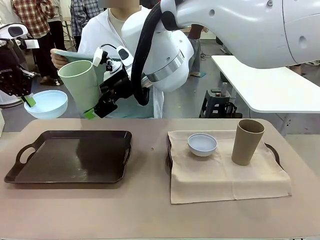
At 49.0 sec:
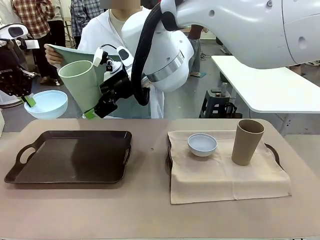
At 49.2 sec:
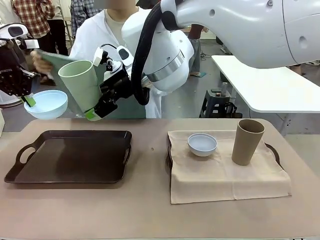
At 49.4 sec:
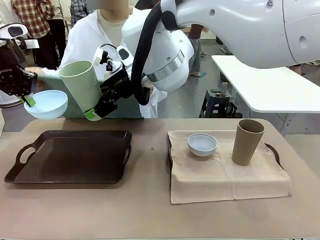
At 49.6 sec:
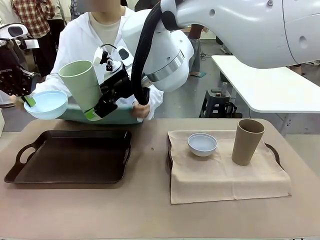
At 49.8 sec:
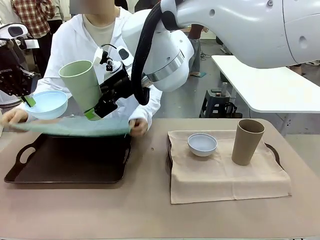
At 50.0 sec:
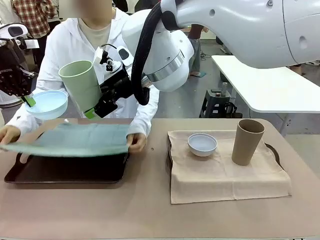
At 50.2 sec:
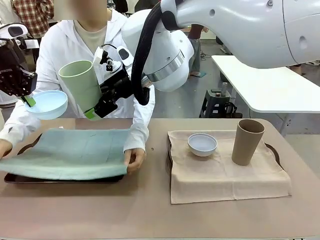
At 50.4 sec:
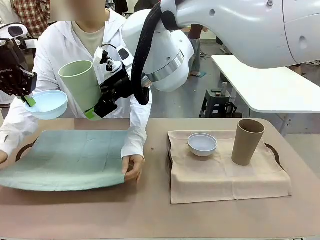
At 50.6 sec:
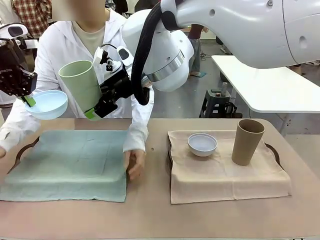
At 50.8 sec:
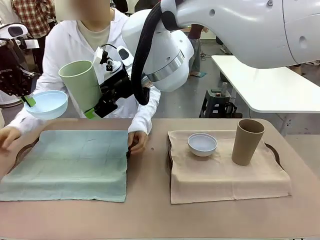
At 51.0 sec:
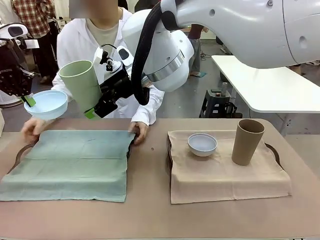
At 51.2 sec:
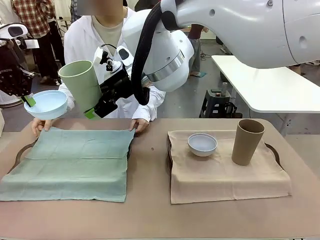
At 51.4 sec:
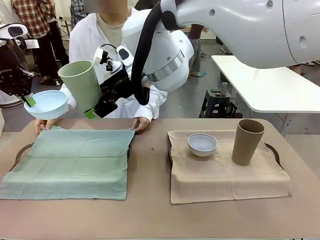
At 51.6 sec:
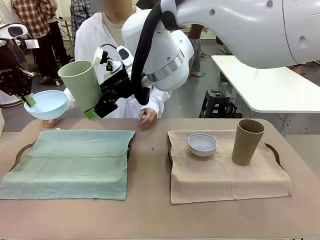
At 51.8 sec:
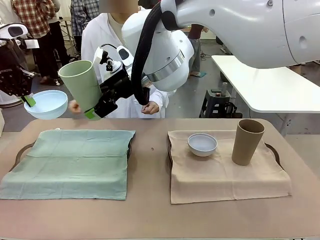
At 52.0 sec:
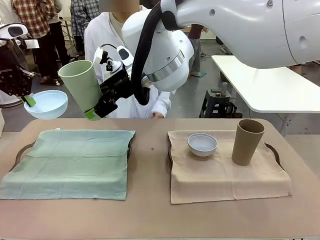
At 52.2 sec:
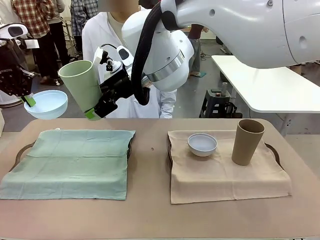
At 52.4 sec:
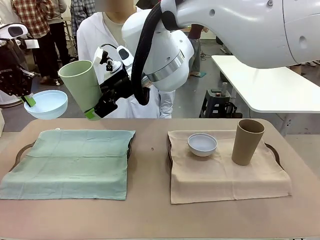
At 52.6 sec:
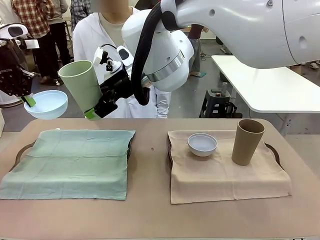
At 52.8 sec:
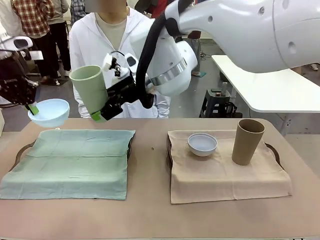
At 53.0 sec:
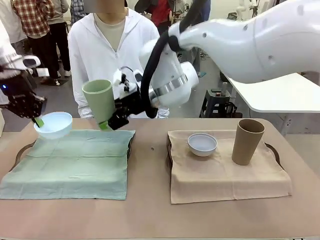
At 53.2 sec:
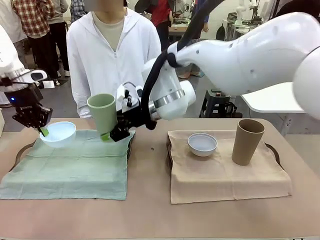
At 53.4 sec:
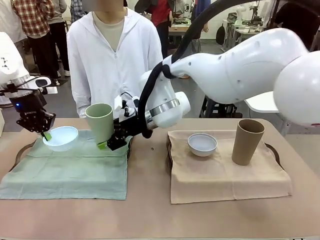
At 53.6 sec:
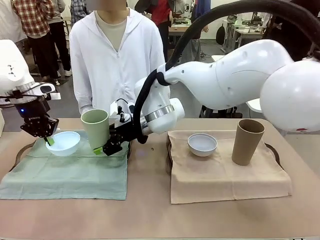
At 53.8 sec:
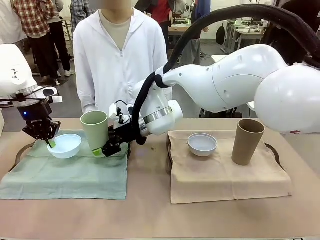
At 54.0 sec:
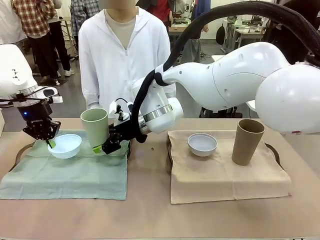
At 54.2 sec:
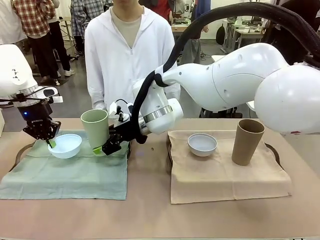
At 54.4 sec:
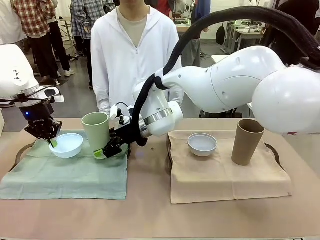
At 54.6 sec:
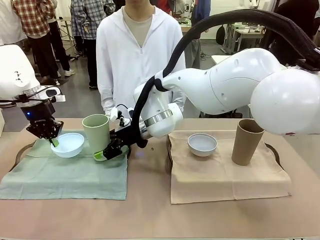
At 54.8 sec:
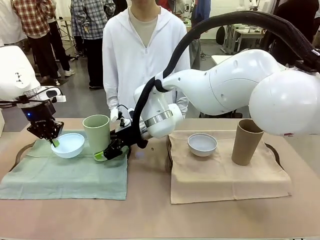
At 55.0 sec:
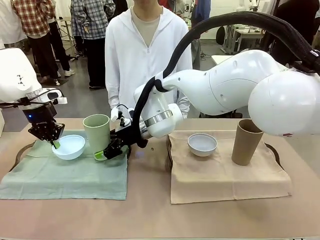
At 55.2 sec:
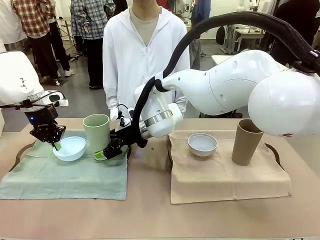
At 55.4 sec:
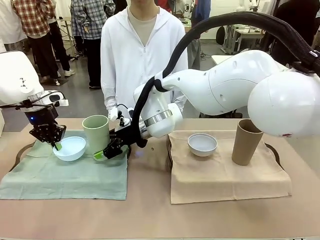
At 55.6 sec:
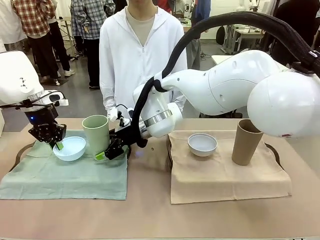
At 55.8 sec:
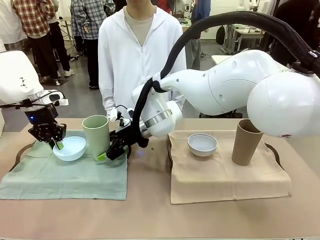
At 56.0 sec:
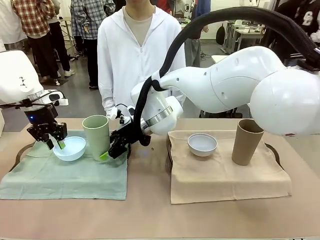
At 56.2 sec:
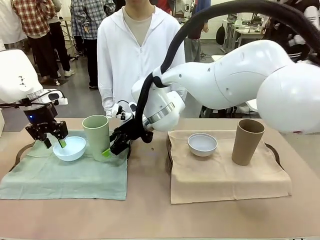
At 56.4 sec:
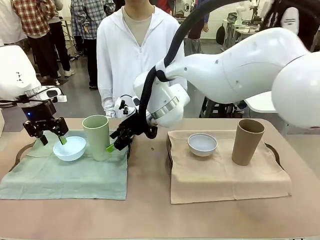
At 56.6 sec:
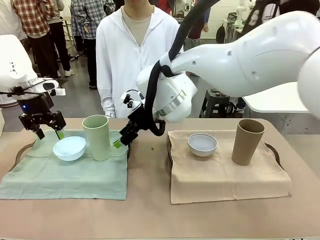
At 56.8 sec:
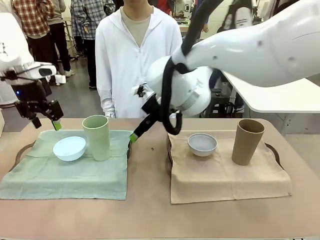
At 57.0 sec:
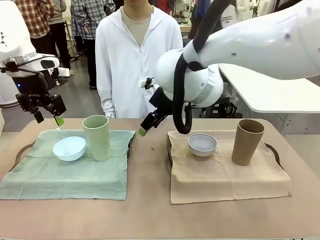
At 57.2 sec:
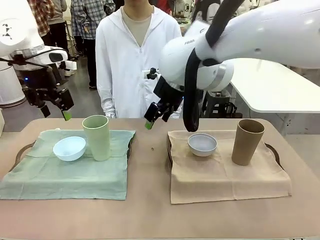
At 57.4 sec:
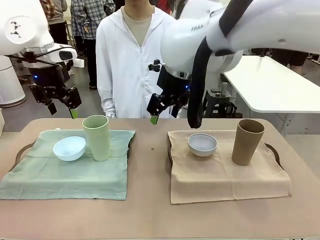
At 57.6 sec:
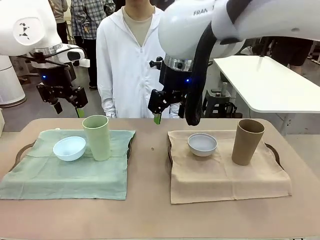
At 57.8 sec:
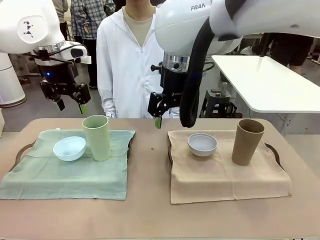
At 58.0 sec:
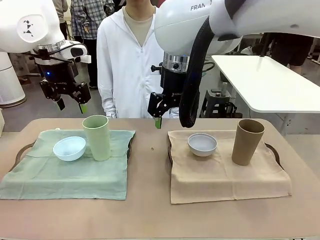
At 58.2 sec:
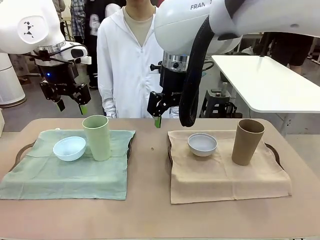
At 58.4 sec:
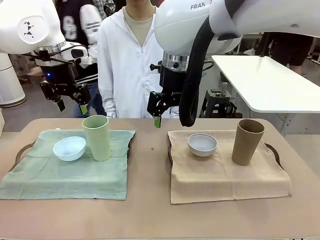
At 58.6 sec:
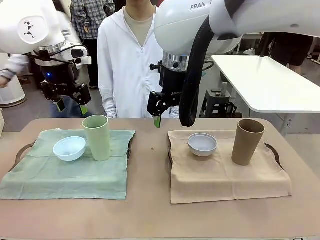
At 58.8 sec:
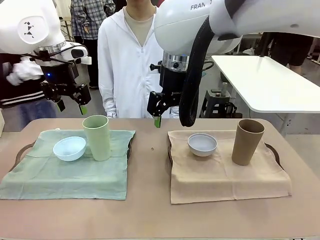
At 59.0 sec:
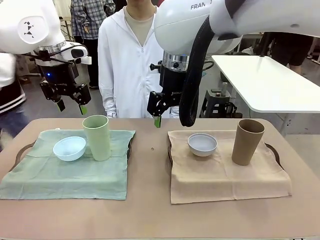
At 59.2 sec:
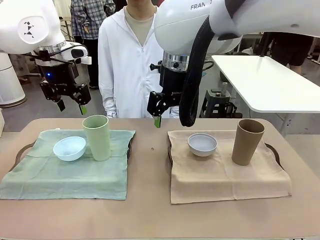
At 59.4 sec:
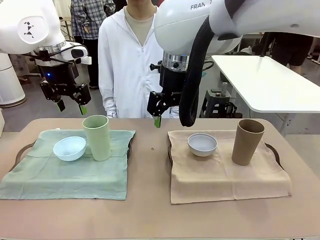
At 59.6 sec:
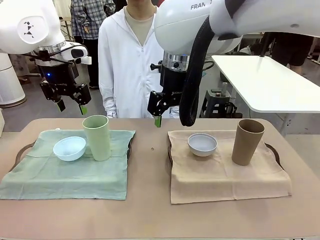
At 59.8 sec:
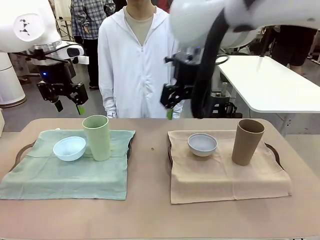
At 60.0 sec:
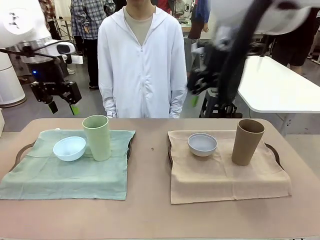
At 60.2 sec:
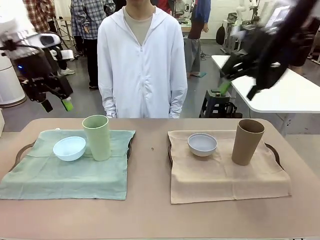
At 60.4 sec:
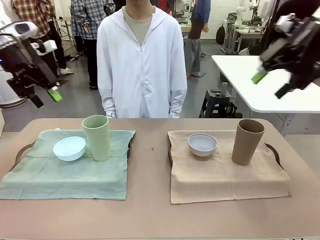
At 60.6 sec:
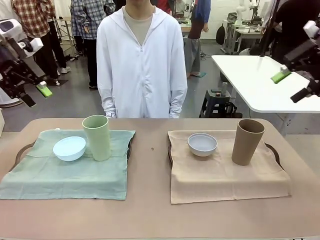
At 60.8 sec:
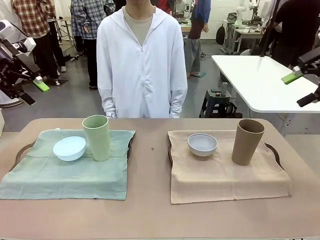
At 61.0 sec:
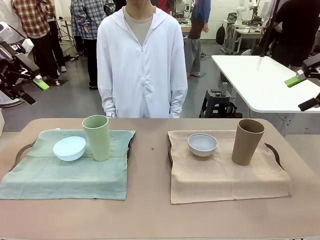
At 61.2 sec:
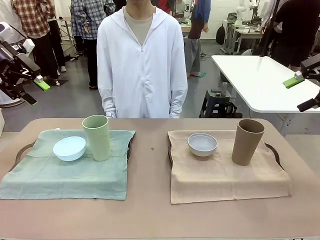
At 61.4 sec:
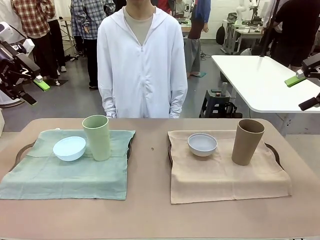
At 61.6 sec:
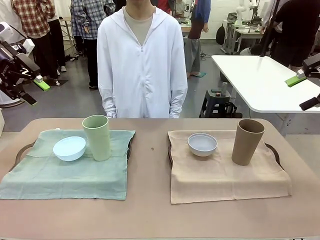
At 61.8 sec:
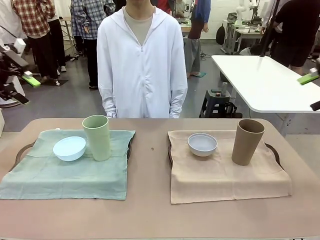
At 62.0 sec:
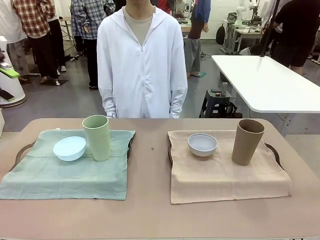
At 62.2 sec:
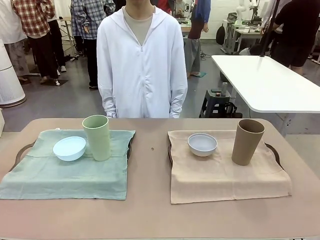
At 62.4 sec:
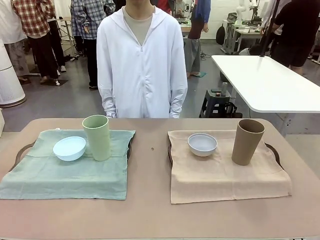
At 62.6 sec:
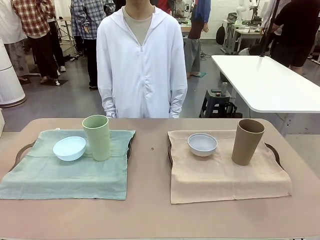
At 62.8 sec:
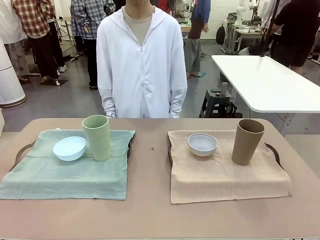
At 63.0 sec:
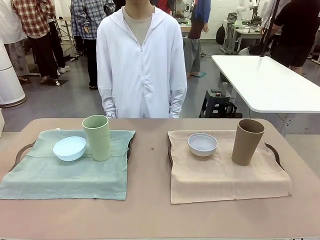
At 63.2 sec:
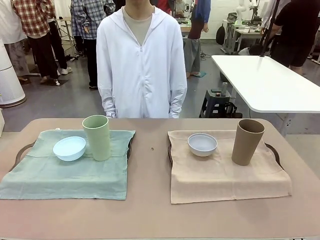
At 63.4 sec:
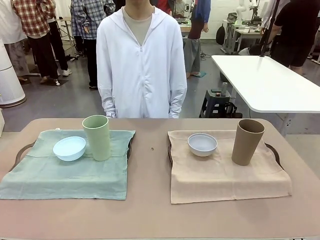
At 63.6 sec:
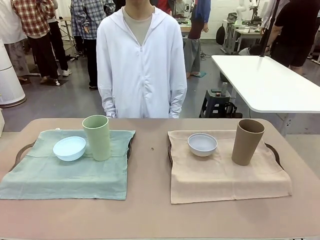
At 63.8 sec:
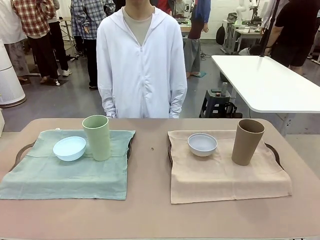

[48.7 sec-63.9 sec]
Robot: Place the Picnic Bowl and Reusable plastic cup back onto the Handle tray in front of the human's position.
Person: When the robot lifts the bowl and the cup, the human unfolds the napkin and lays the napkin flat on the tray.
